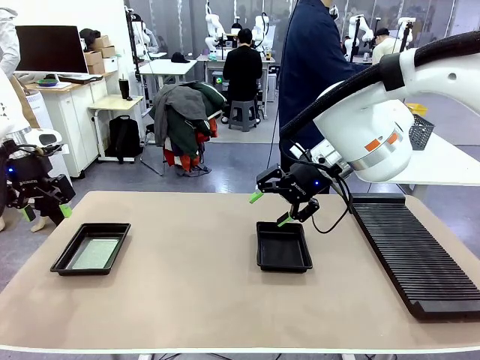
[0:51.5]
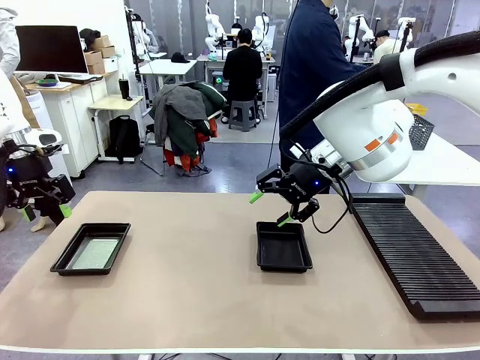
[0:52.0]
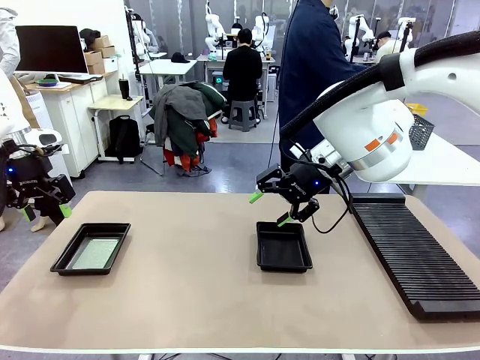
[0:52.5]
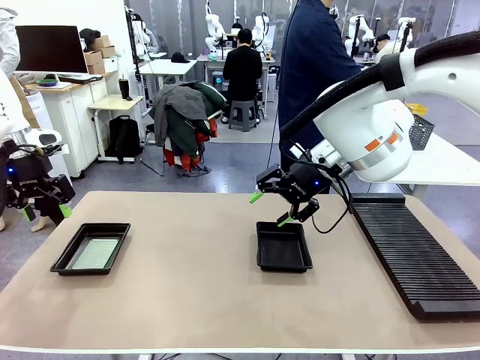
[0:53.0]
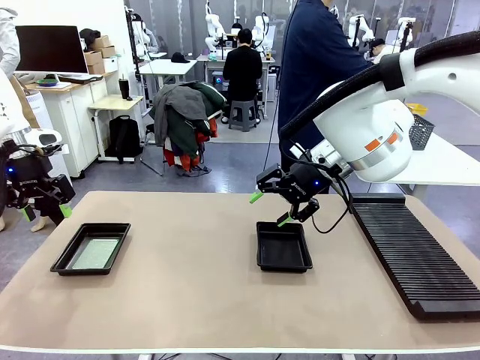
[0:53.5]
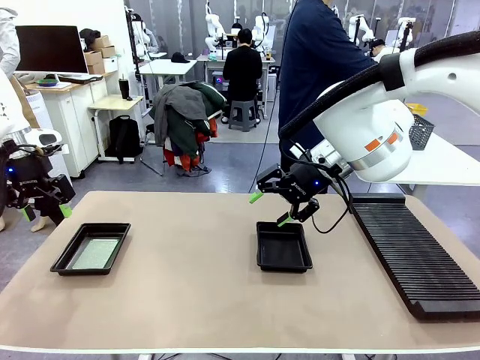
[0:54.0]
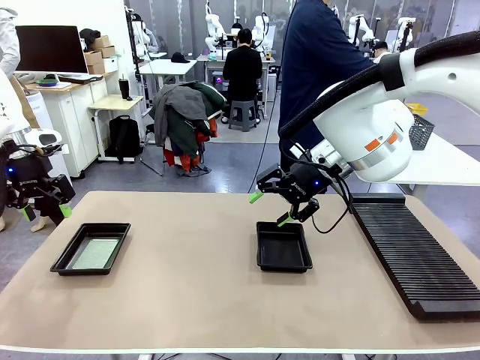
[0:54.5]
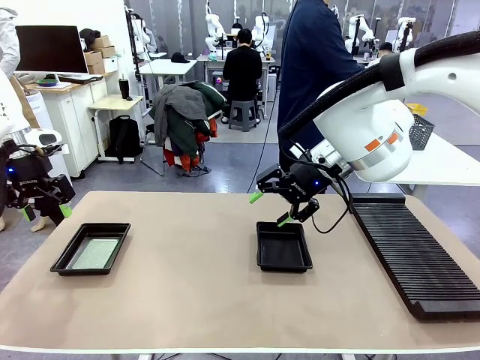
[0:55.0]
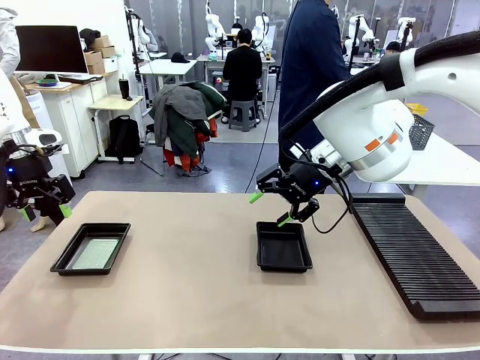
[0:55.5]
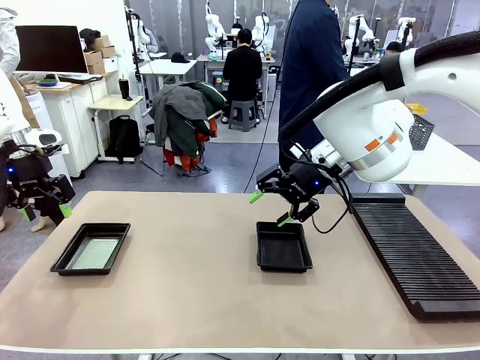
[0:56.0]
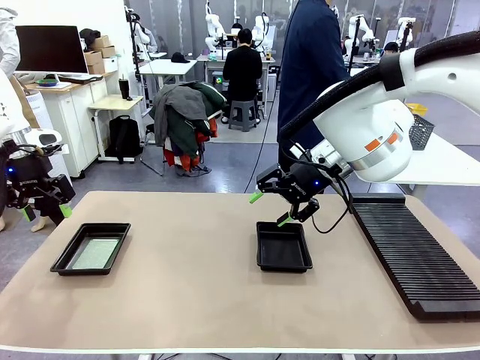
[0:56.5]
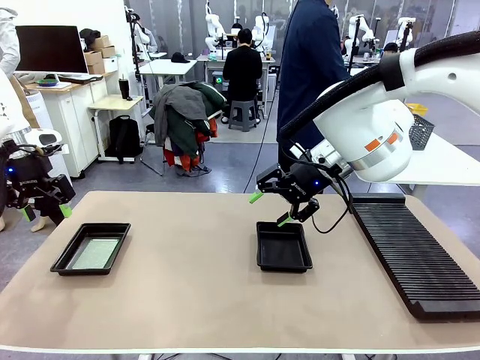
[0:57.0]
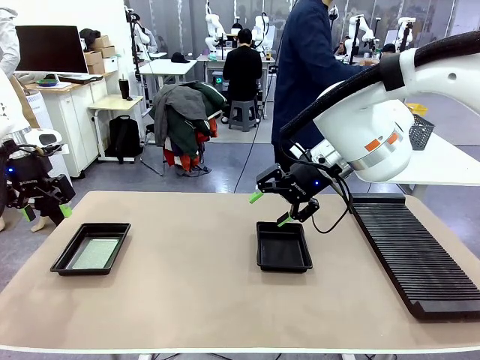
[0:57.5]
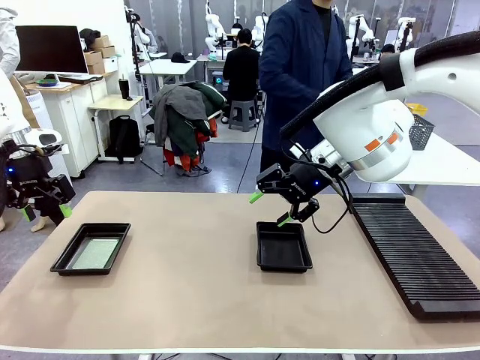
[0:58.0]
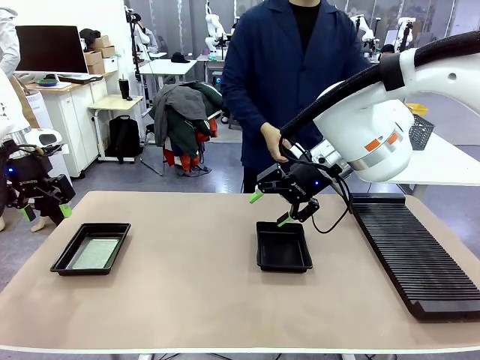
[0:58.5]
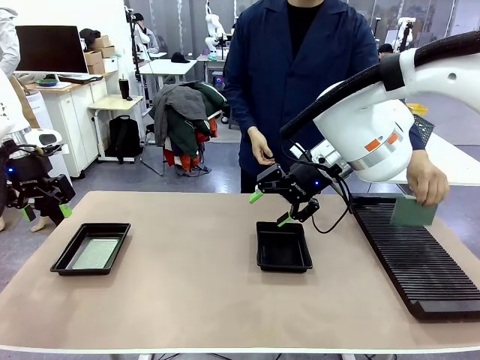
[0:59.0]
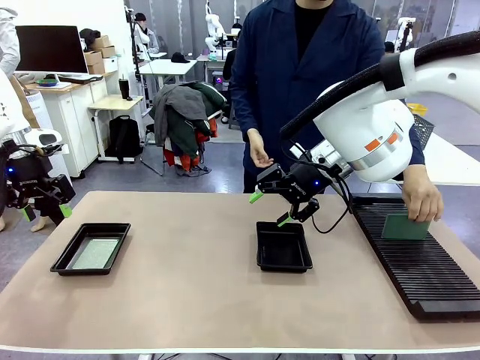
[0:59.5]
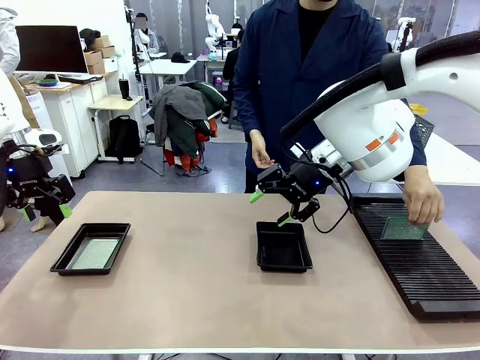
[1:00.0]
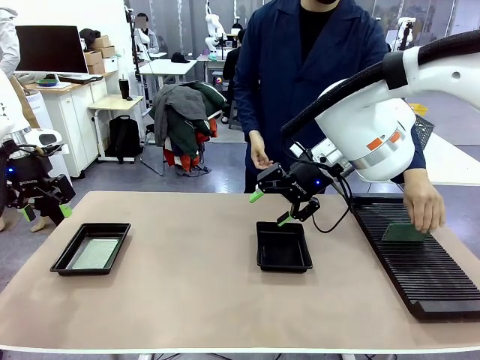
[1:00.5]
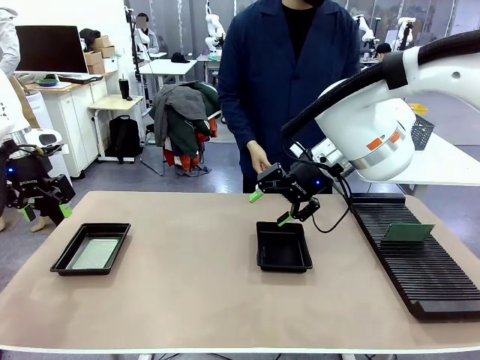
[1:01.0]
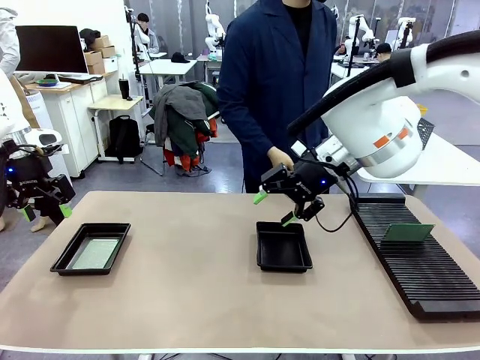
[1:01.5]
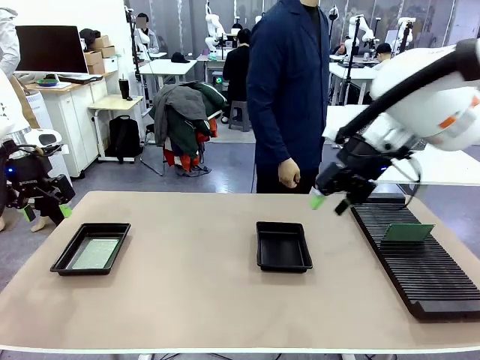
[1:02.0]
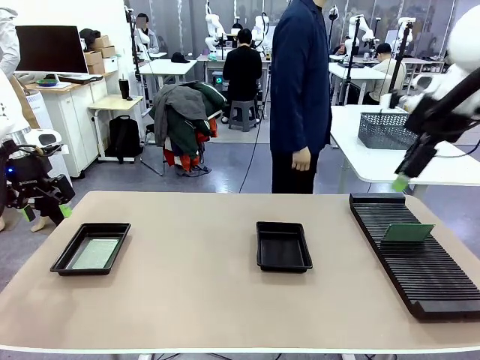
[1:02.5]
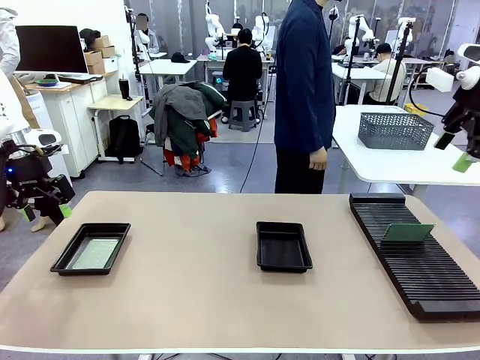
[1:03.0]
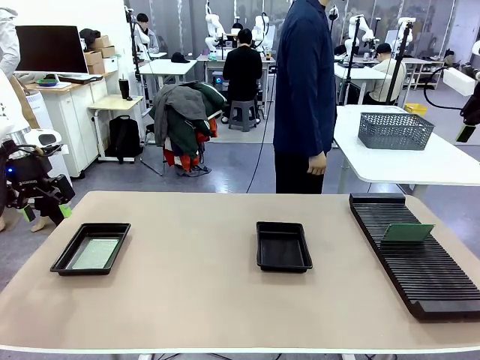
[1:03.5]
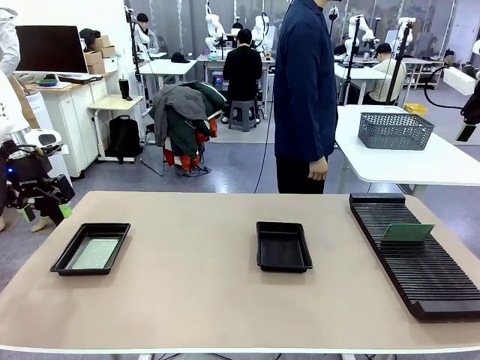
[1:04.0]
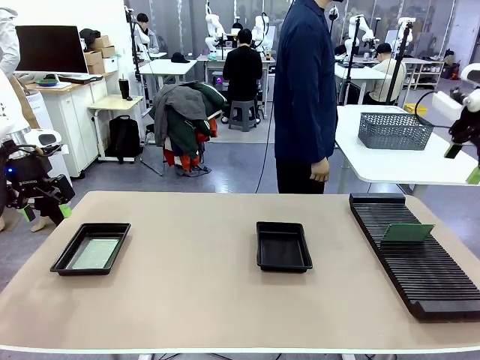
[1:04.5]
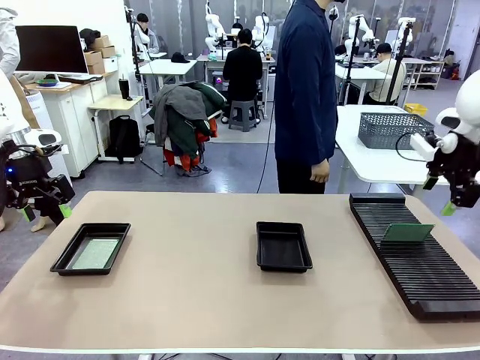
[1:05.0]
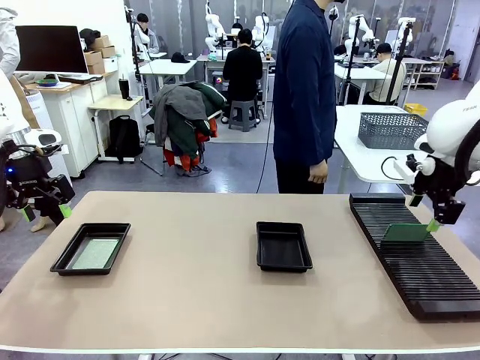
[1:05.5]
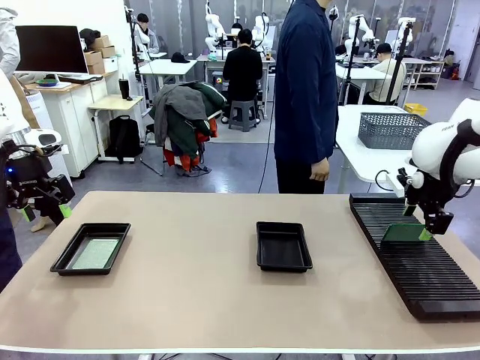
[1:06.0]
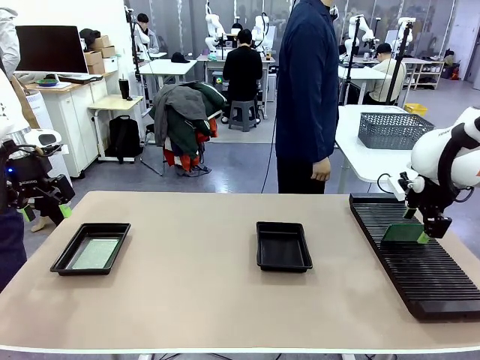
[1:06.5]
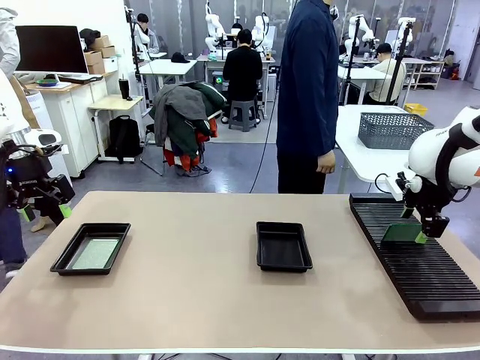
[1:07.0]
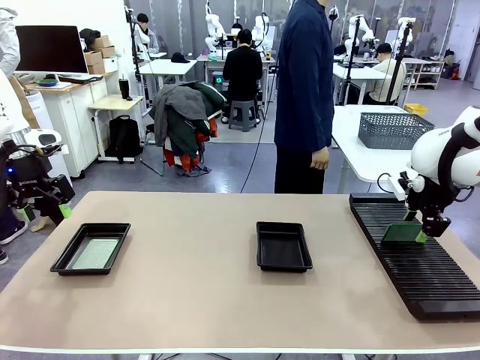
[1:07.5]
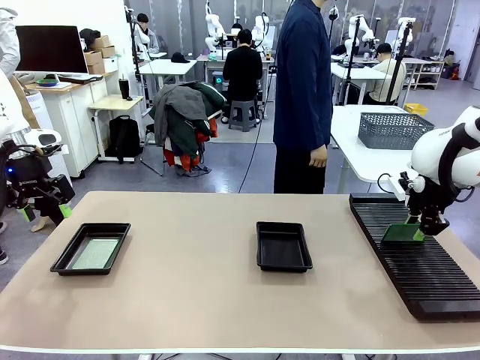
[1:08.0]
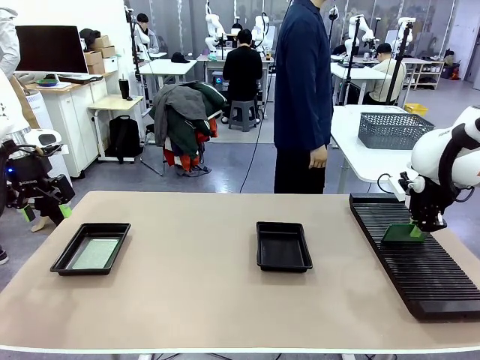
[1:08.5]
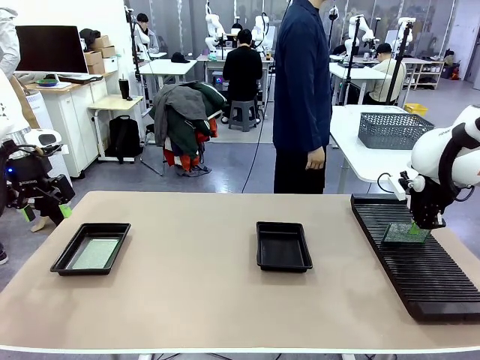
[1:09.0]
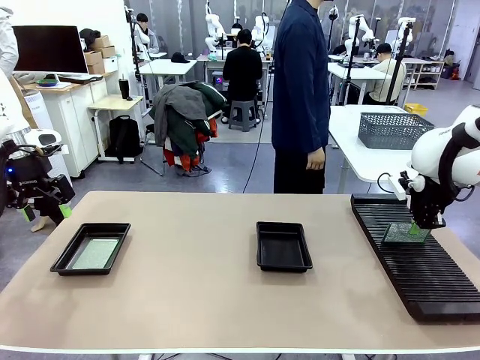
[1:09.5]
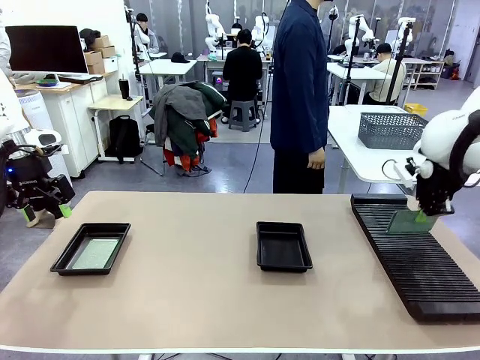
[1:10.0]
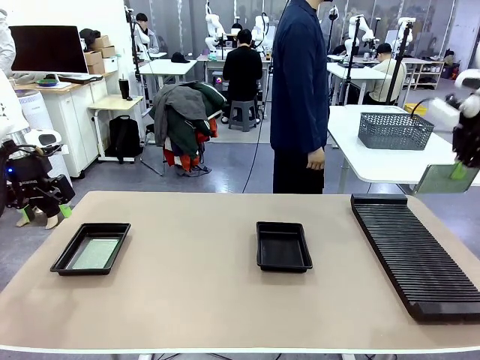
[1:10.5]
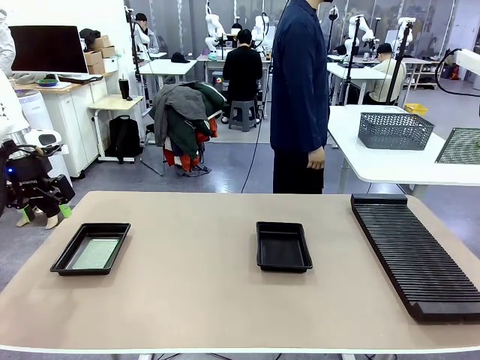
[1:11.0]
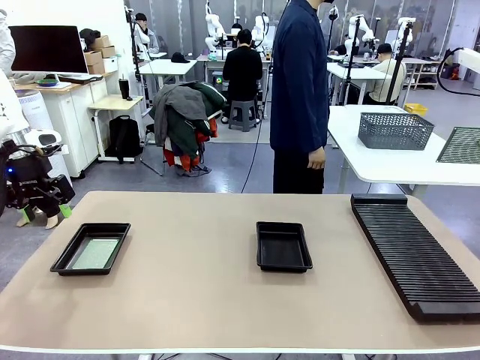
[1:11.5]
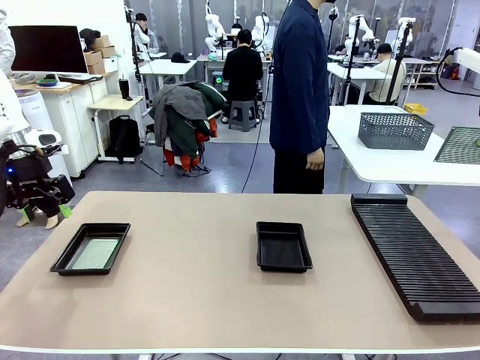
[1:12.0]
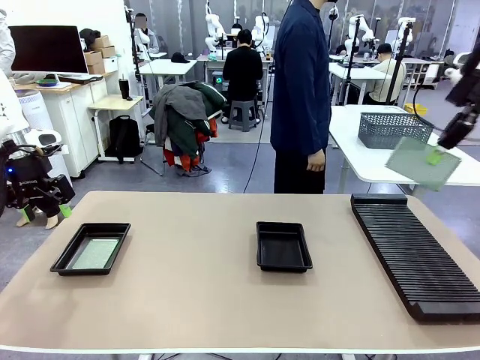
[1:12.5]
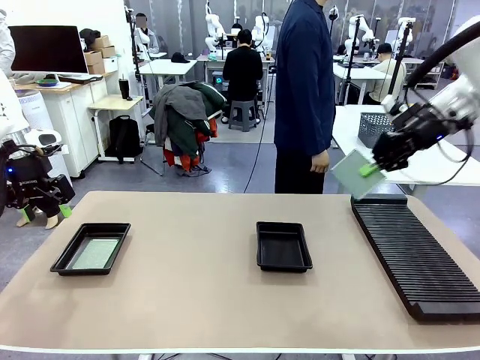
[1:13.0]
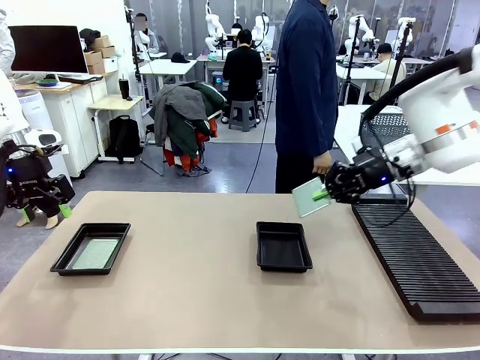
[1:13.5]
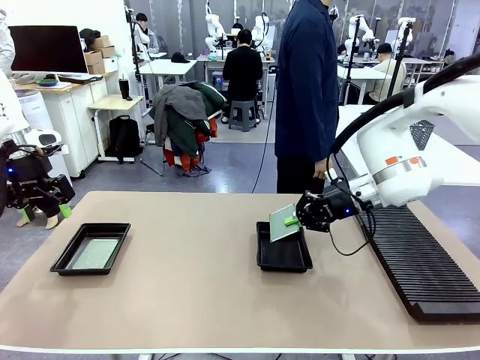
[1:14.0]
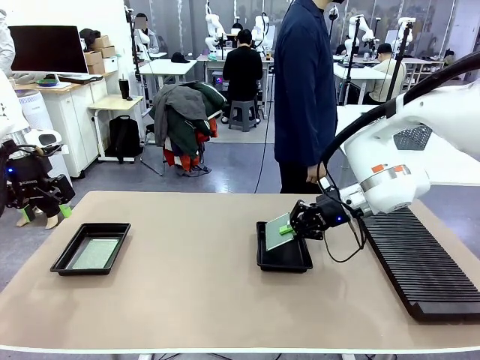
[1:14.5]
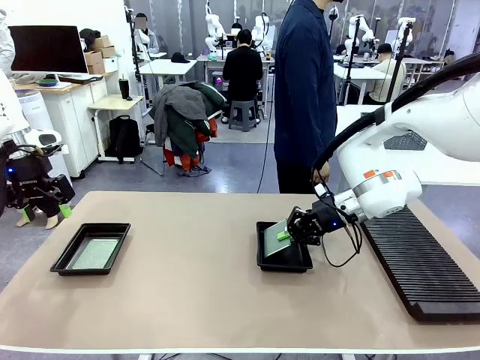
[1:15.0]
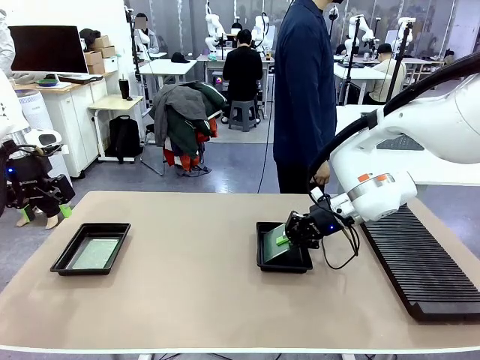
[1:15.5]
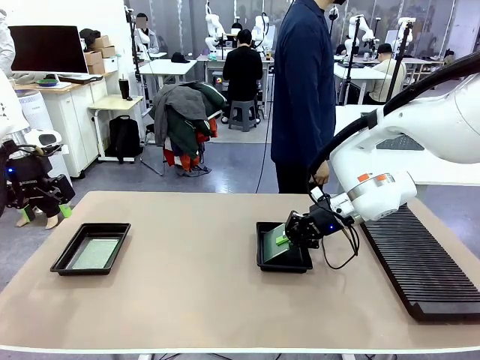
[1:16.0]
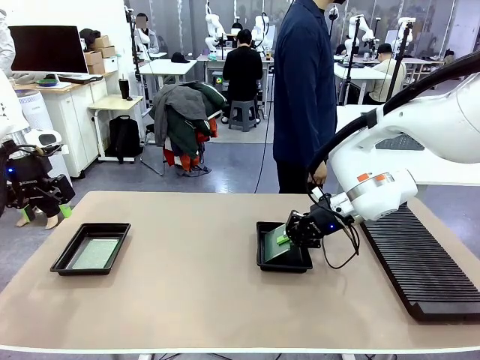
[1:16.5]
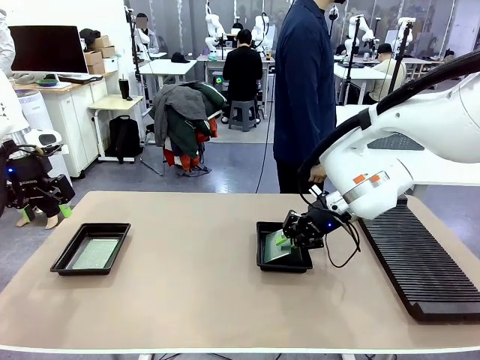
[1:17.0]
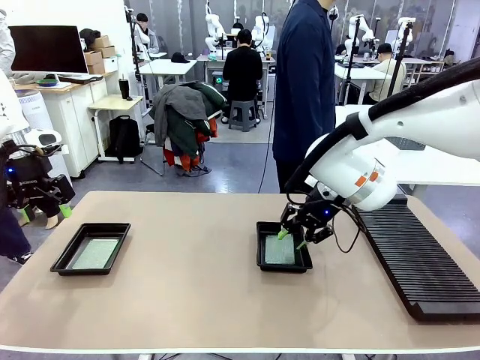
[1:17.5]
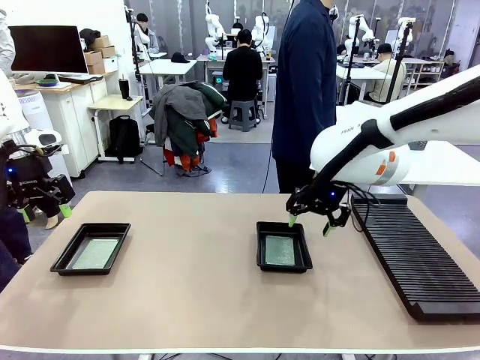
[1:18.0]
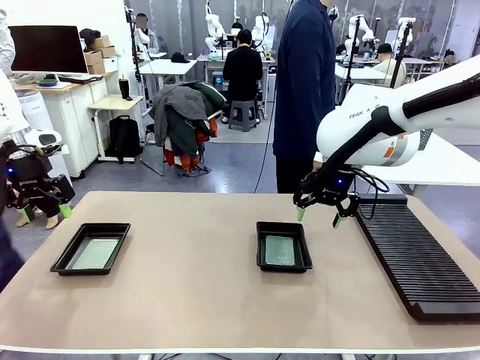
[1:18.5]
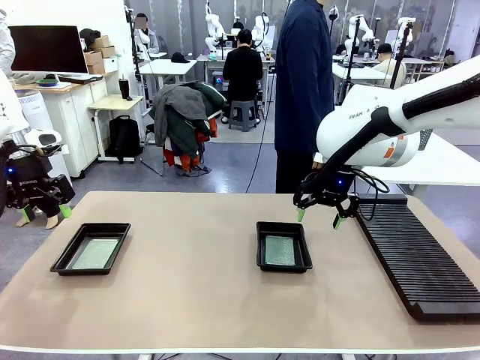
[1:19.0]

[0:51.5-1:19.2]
Task: Inspect and transfer BCBs to ESD trays.
Robot: Pick up the Blank PCB from the PCB Rack and place it in the right ESD tray.
